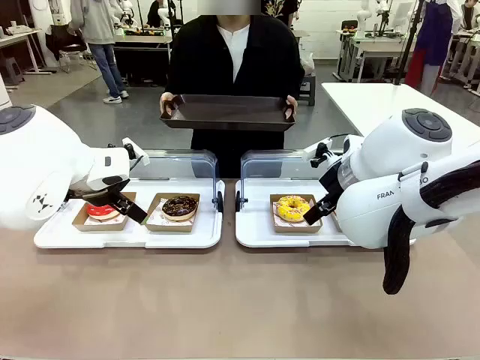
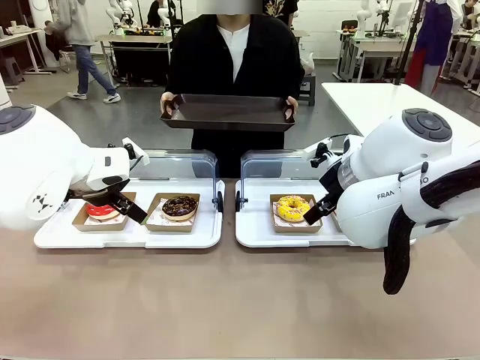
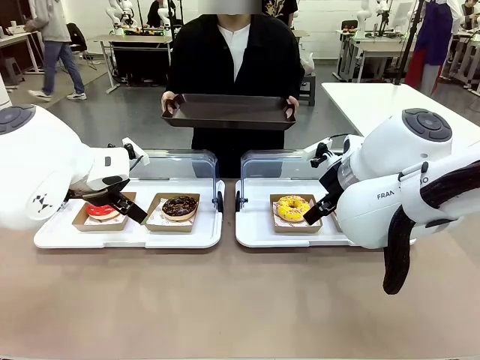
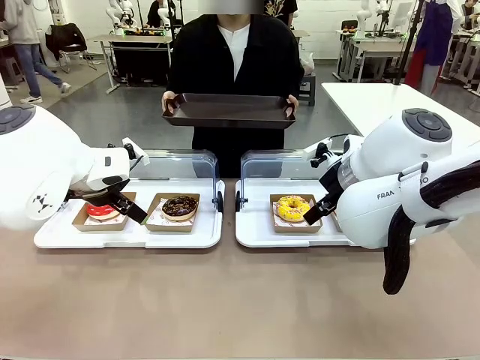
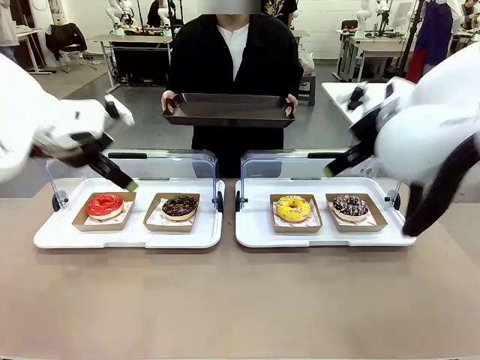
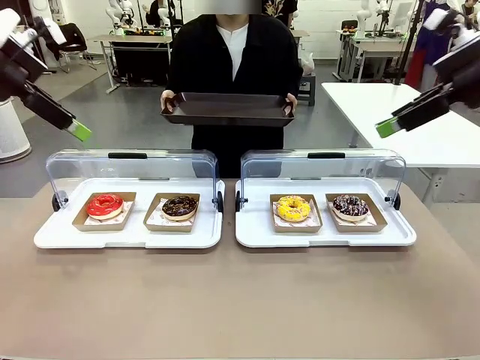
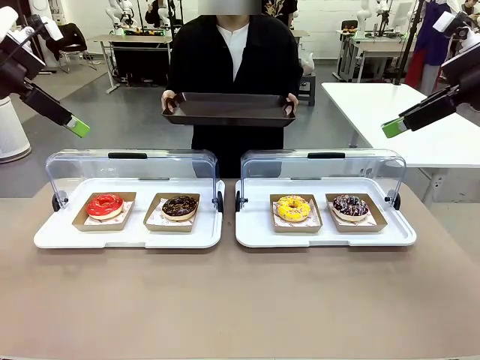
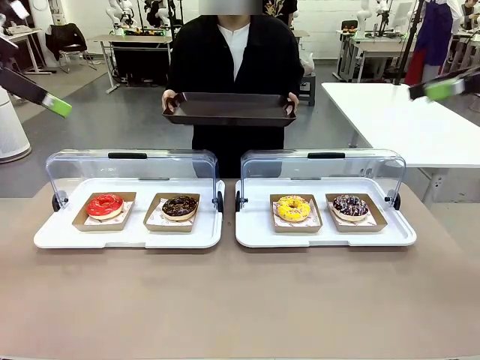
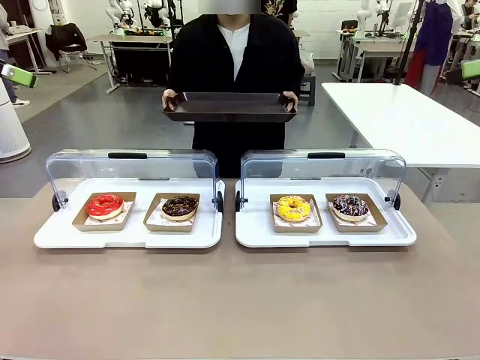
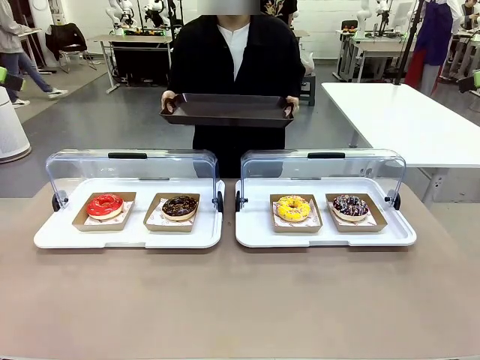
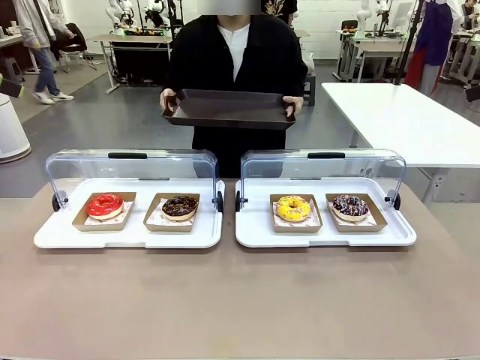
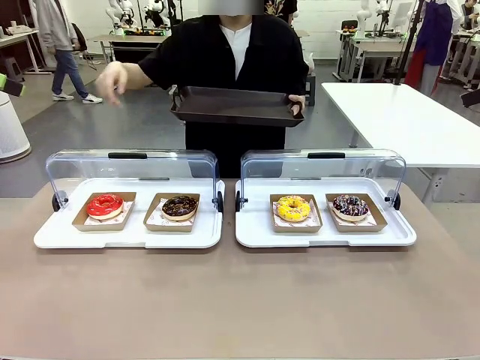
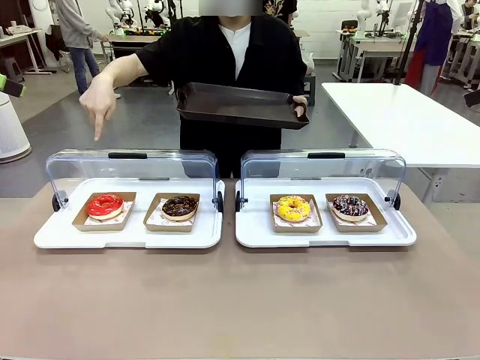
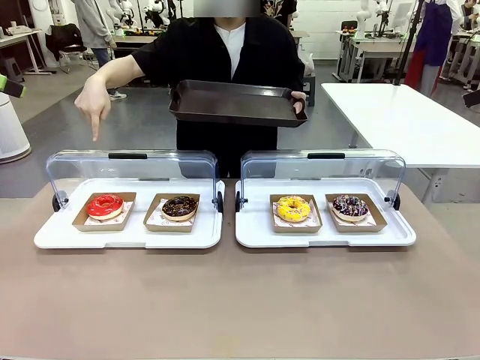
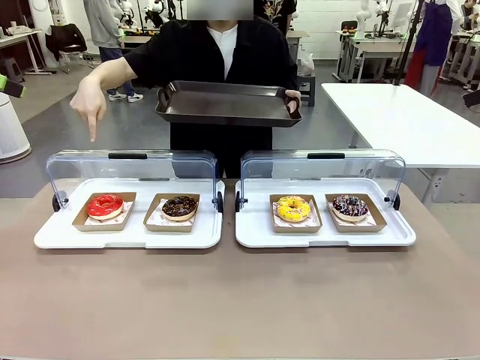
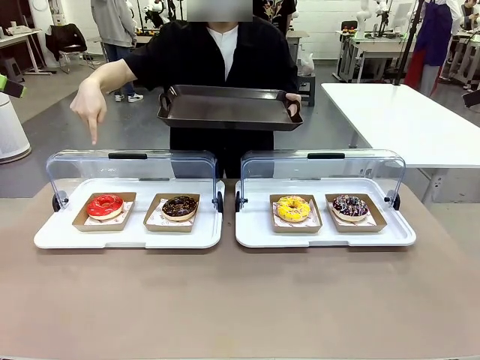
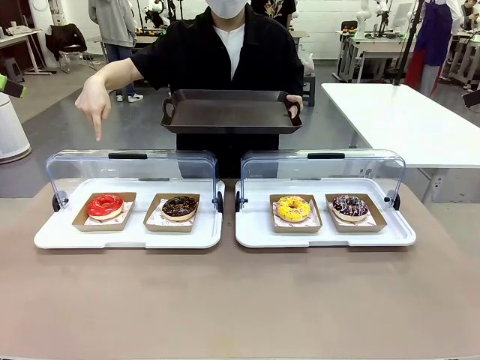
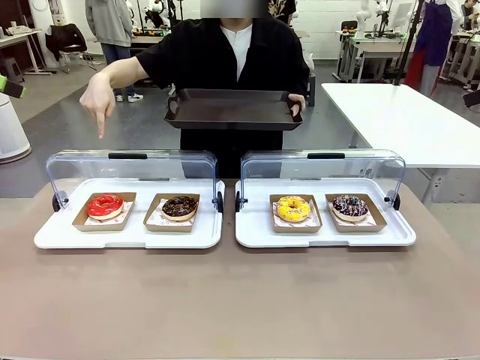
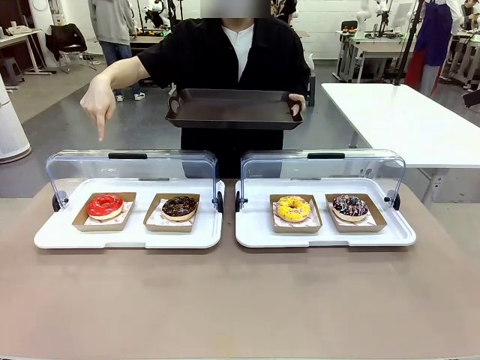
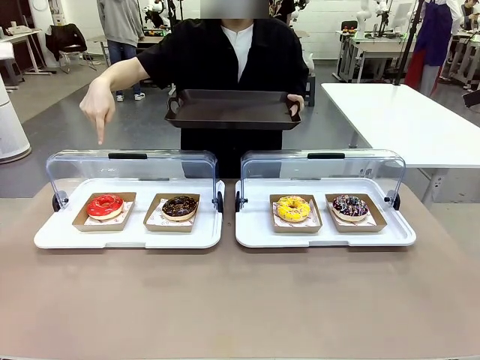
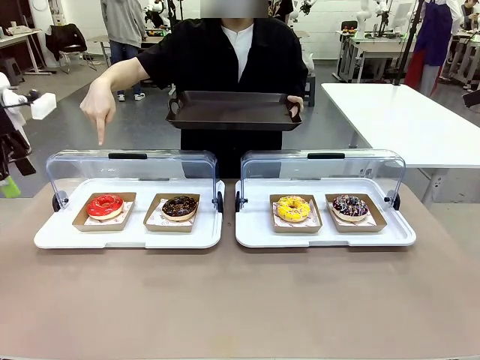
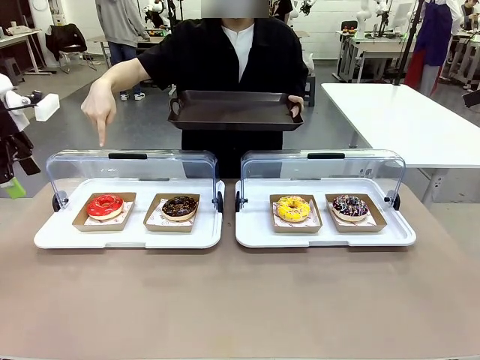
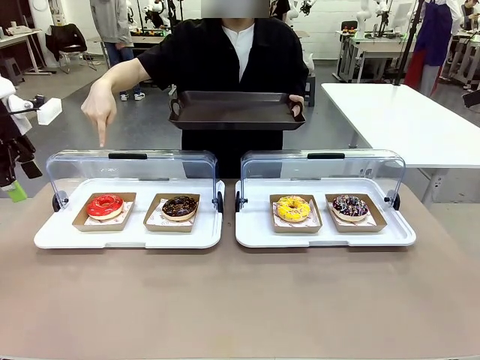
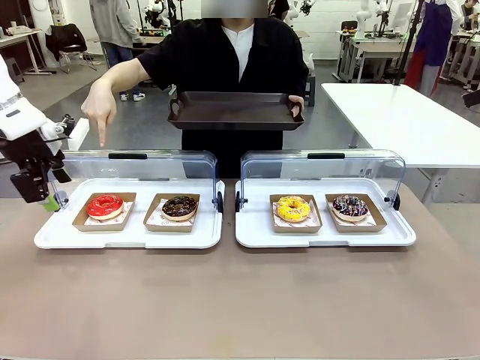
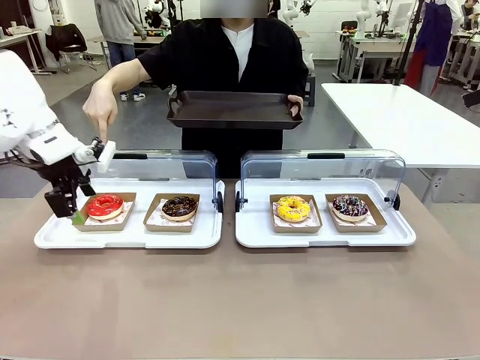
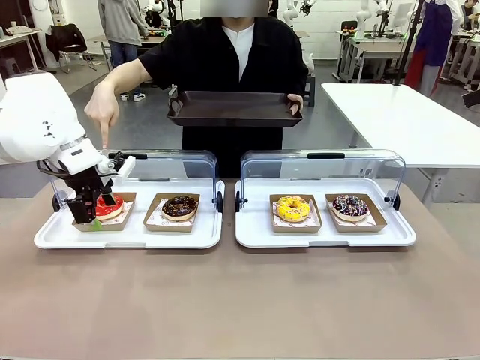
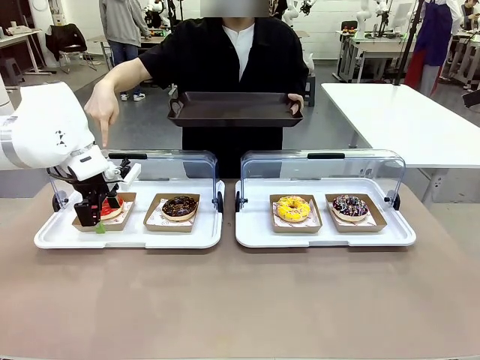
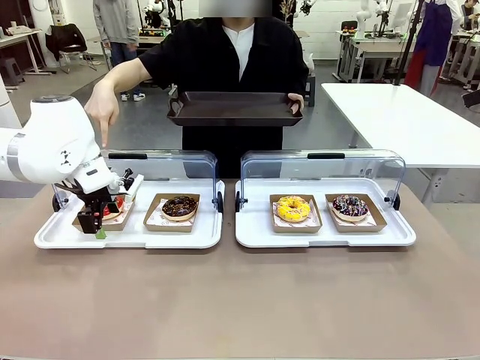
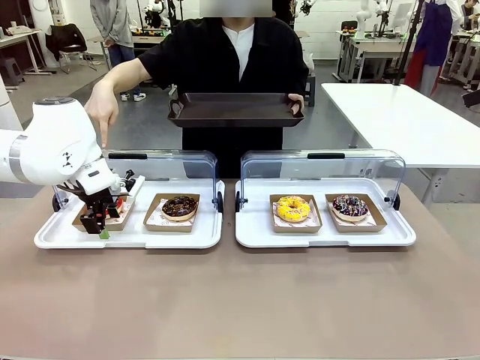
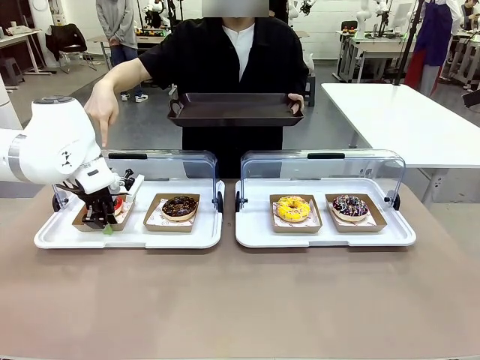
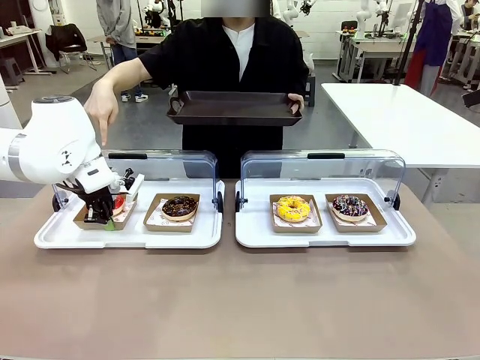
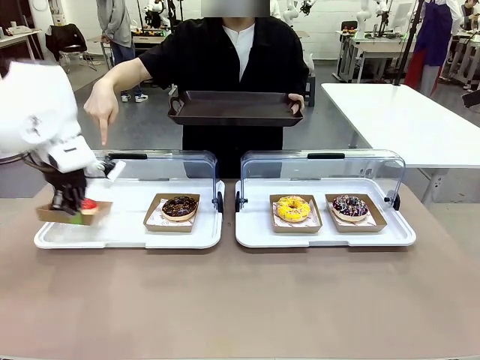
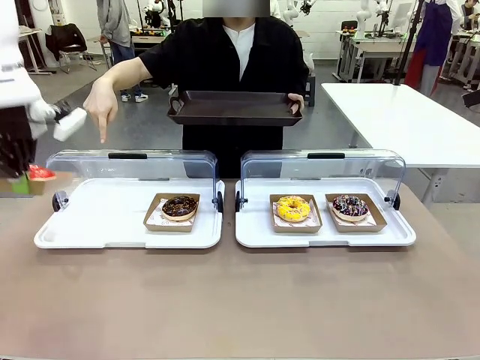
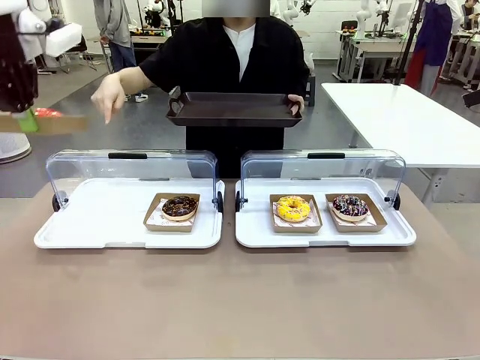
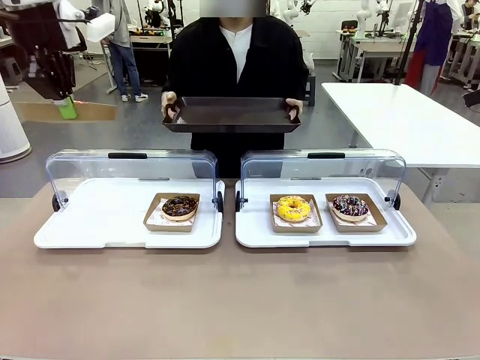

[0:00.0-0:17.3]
Task: Provide the desired donut to the person.
Robot: Pick up and lift the Paper togo box containing the Donut pointed at by the person.
Person: Point to one donut. Lift the tray onto the Roll-Top Bakery Case.

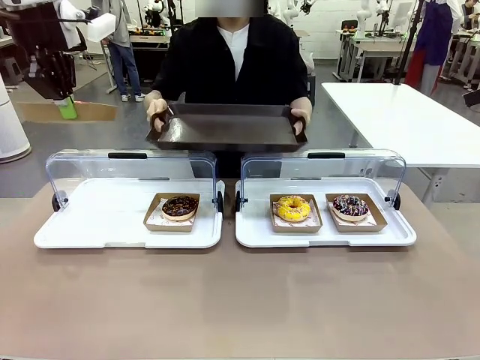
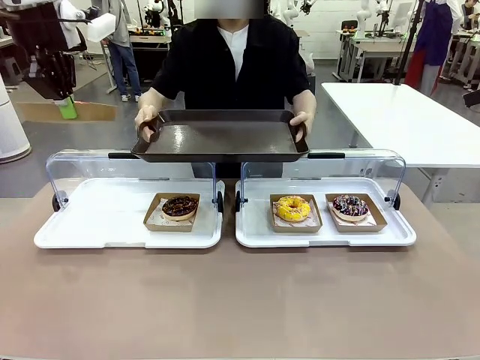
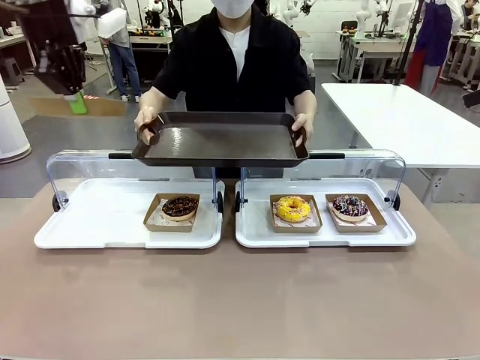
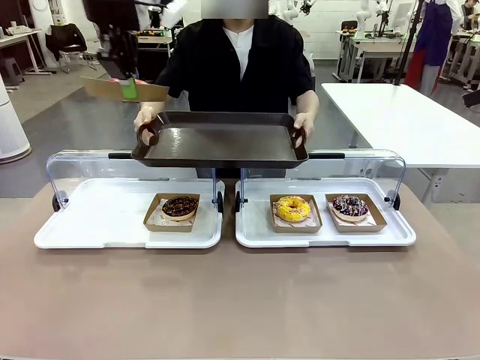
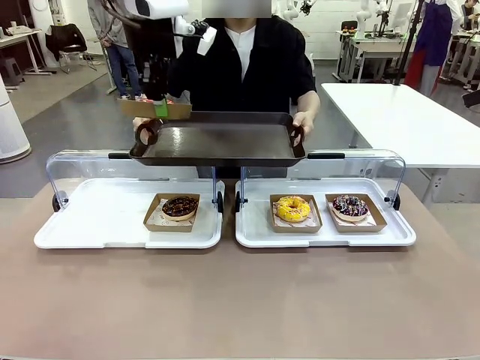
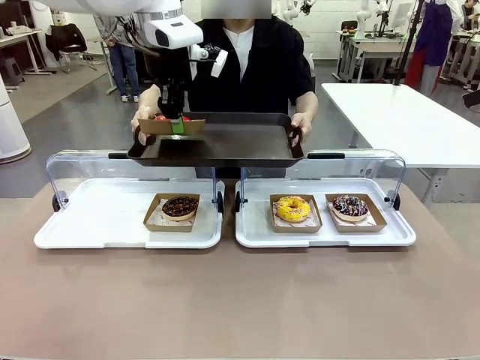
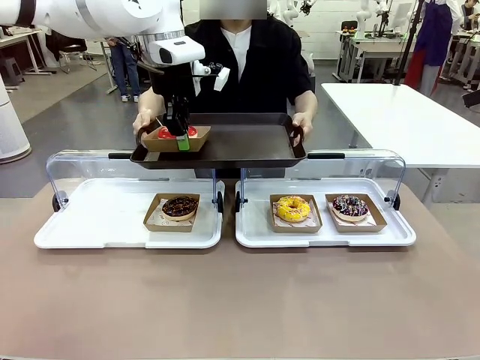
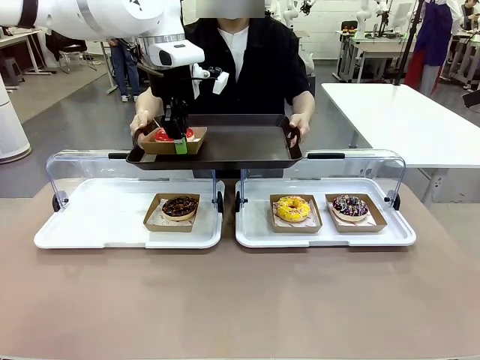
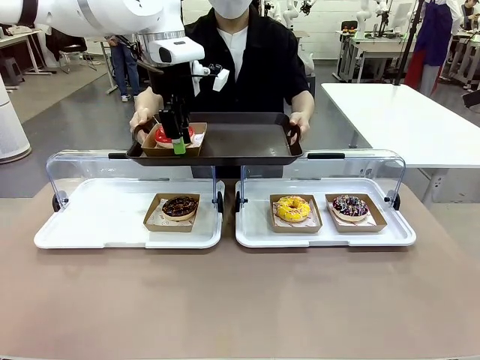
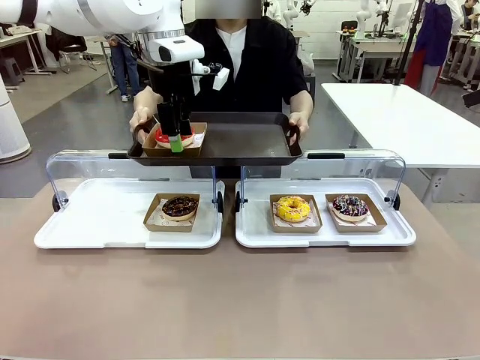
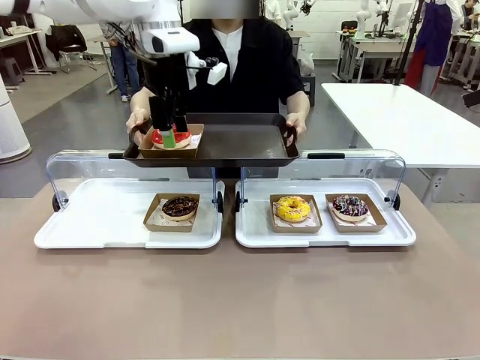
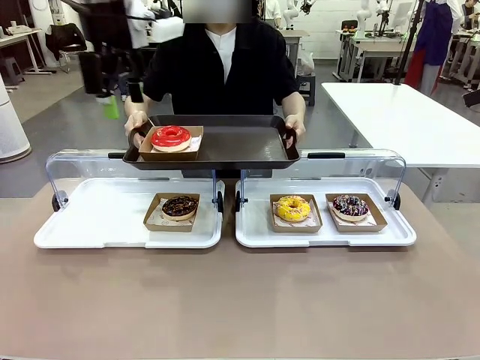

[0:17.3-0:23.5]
Robot: Place the picked Paper togo box onto the Handle tray extended by the person.

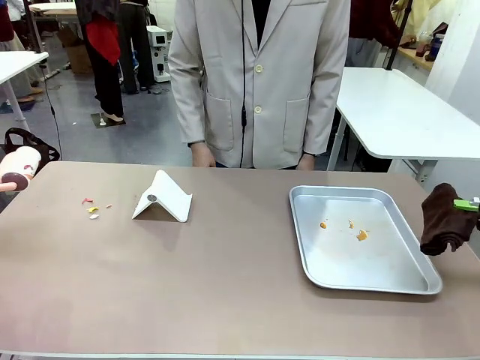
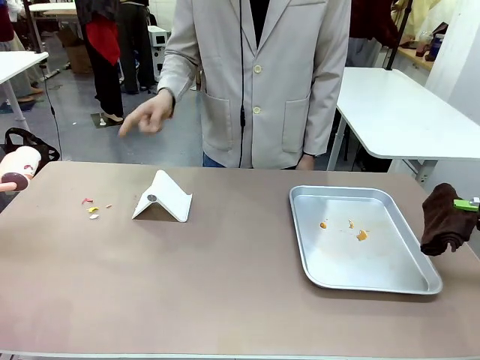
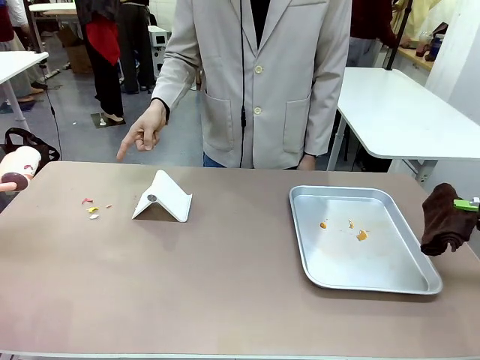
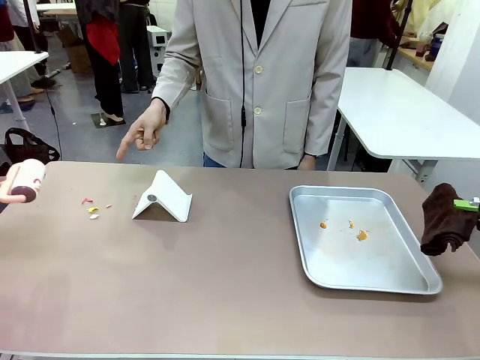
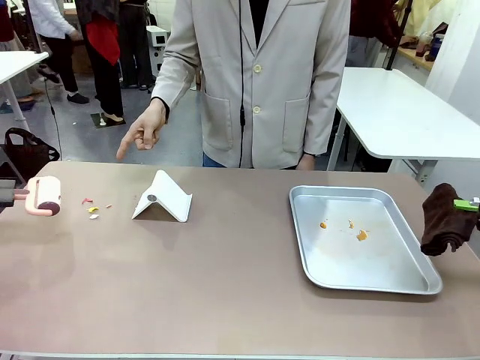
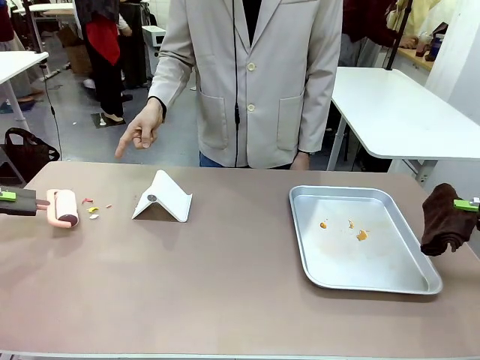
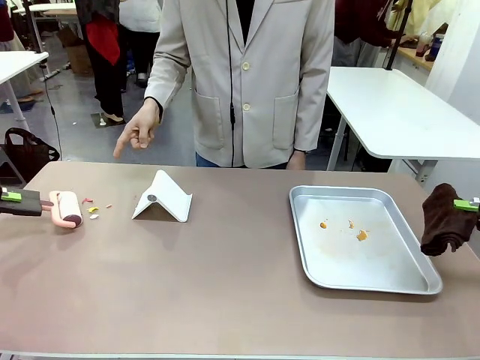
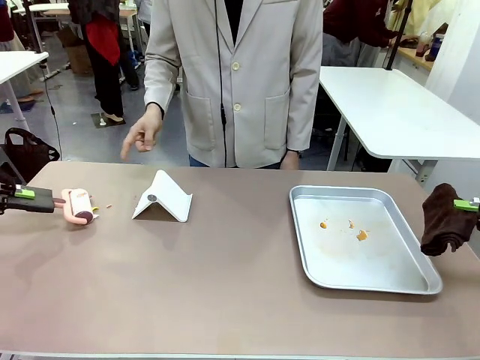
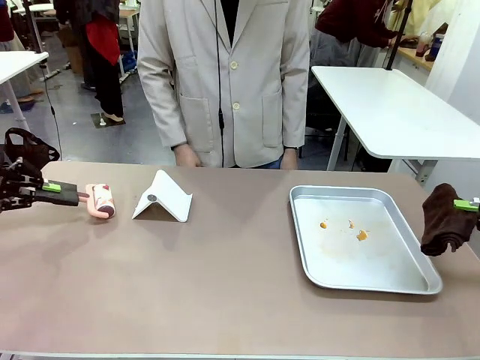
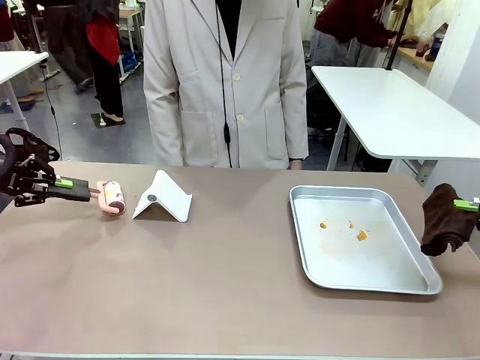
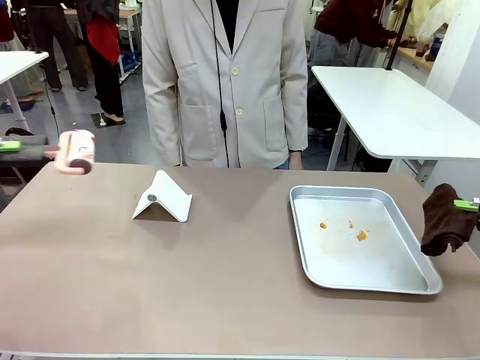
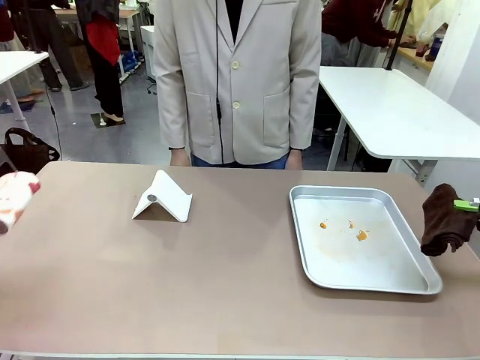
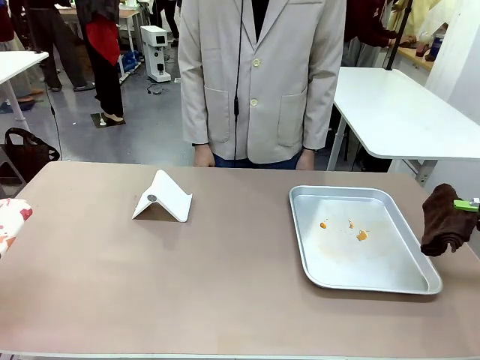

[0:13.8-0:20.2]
Task: Clean the surface of the table.
Robot: If a person points to the right, clean the right side of the table with your right hand, and if they point to the left, clean the left side with your left hand.
